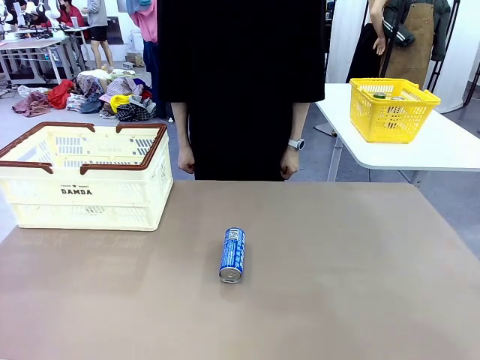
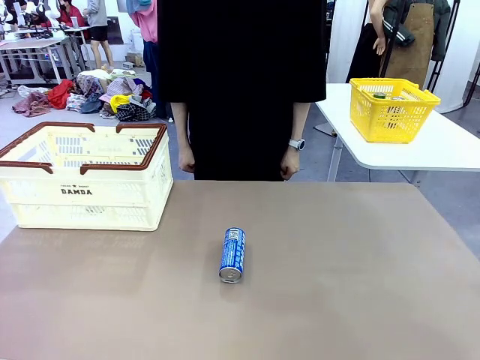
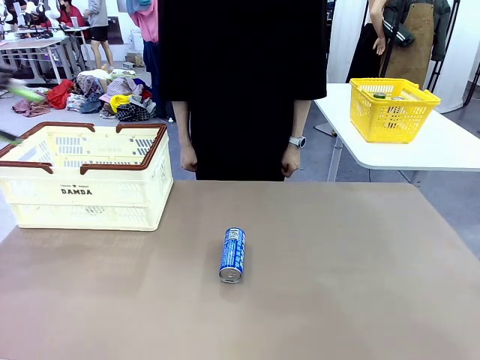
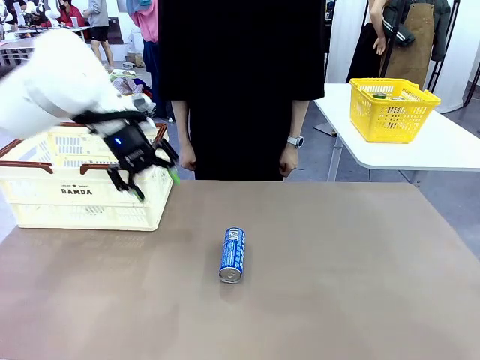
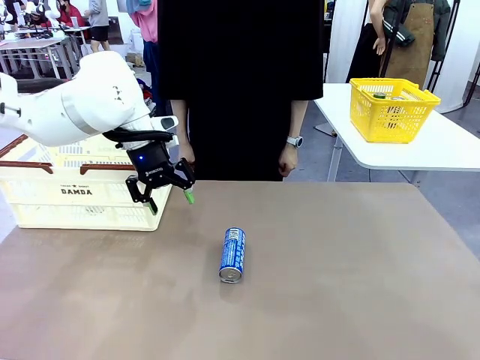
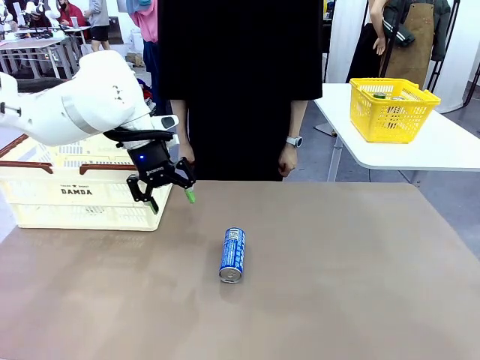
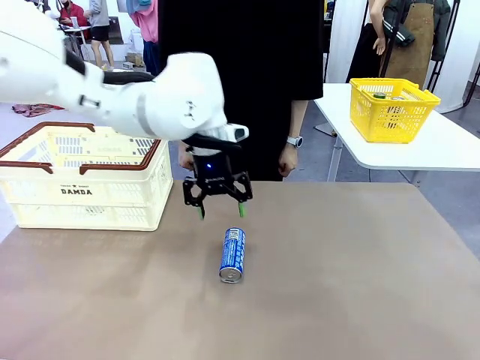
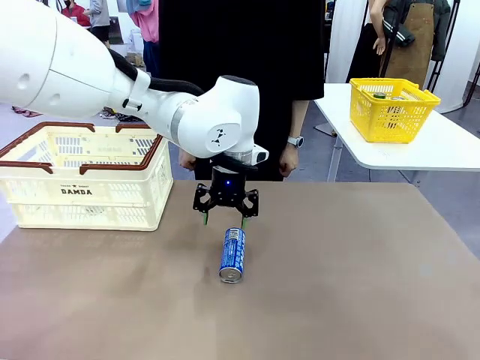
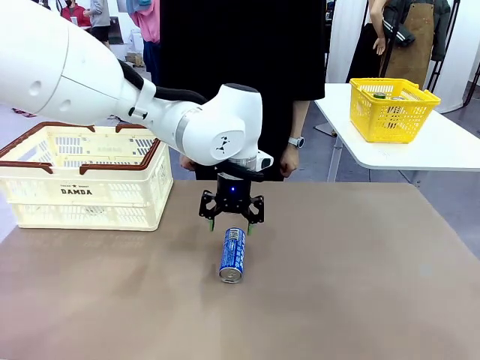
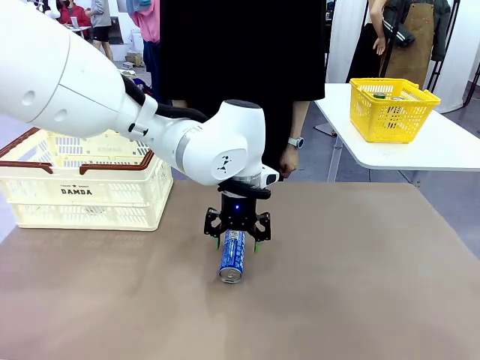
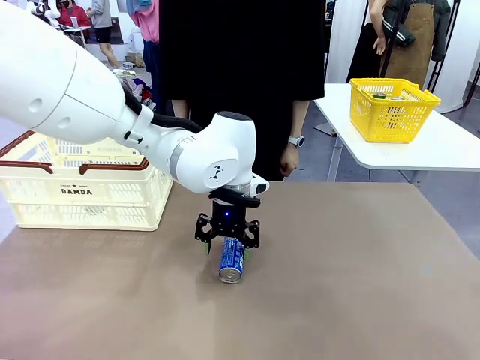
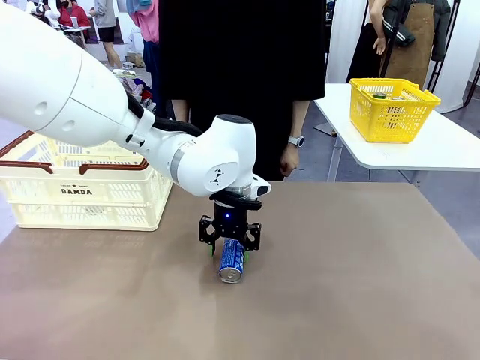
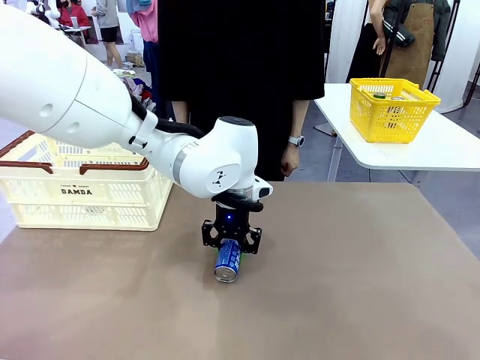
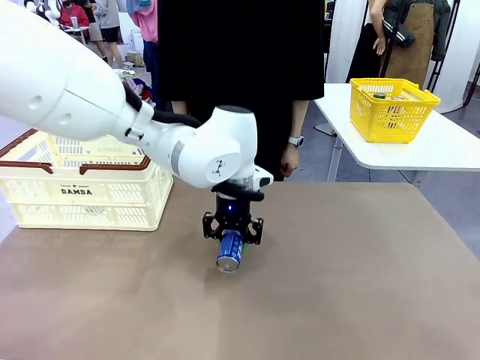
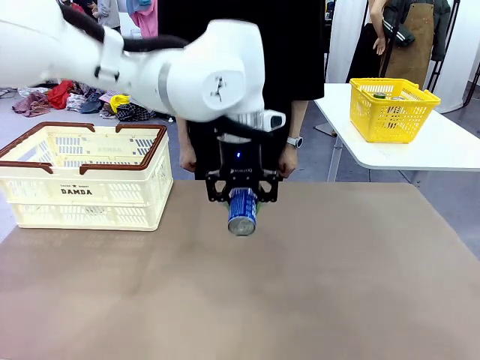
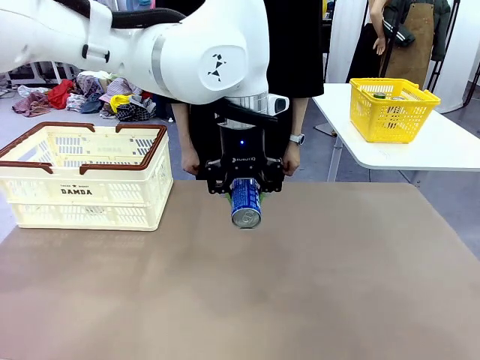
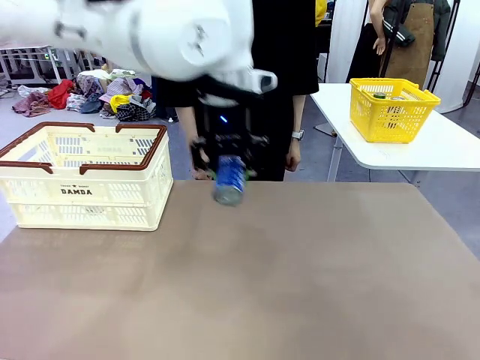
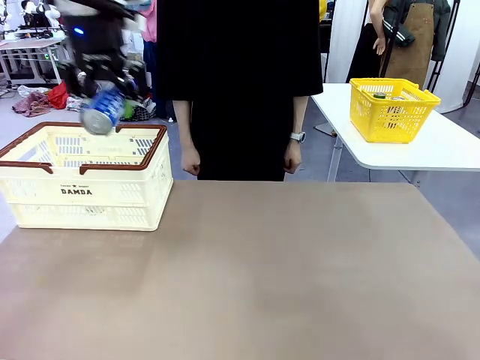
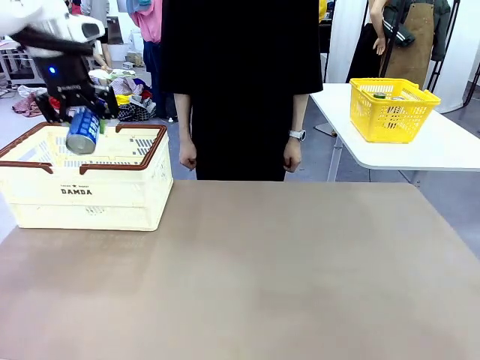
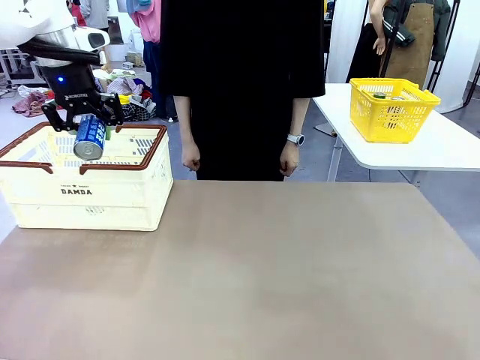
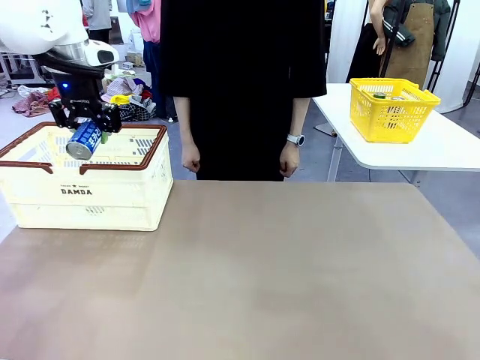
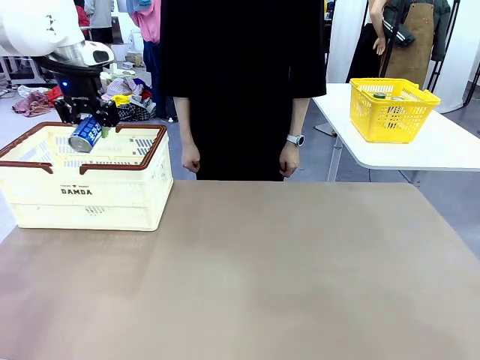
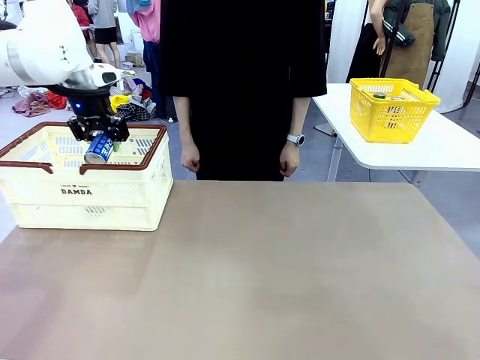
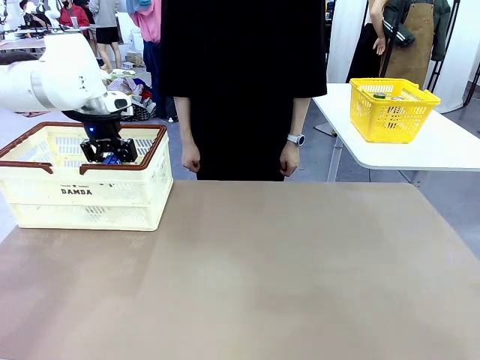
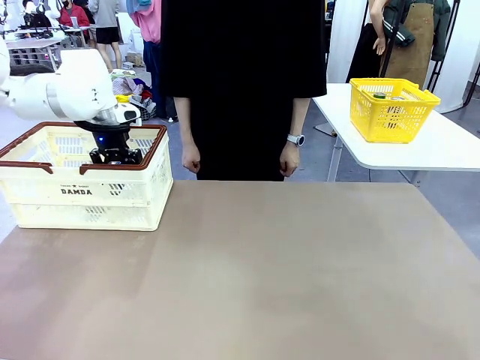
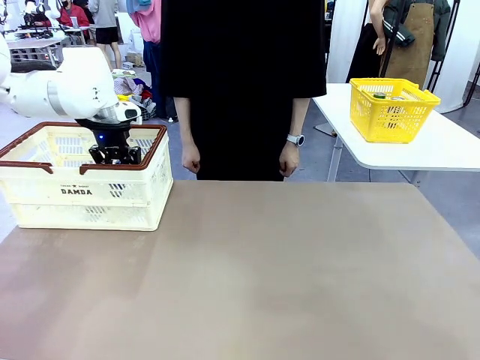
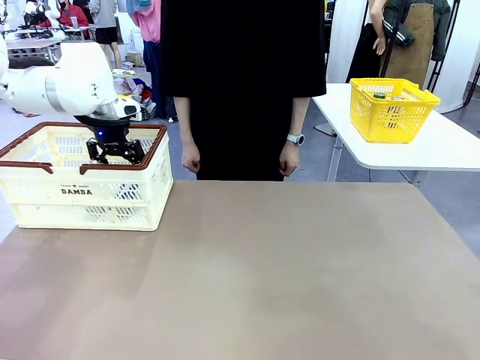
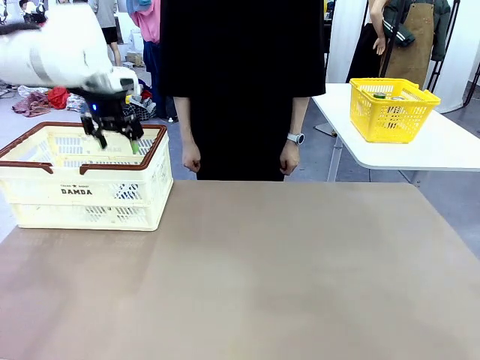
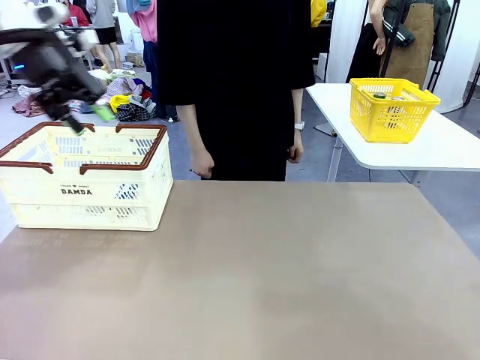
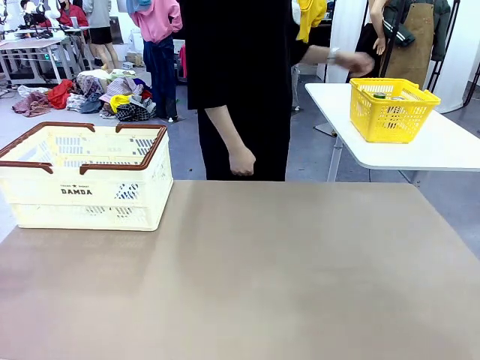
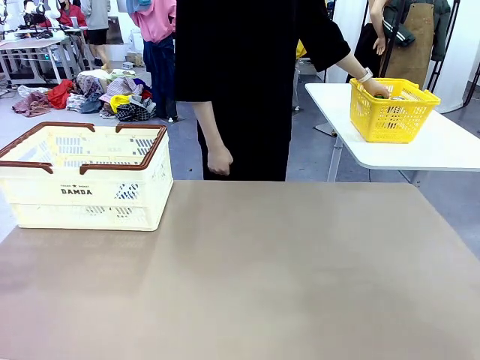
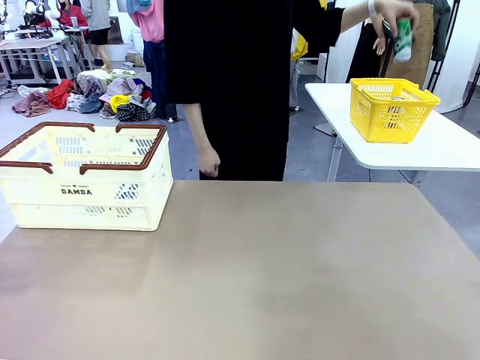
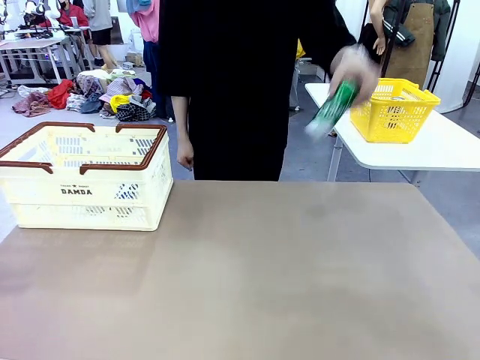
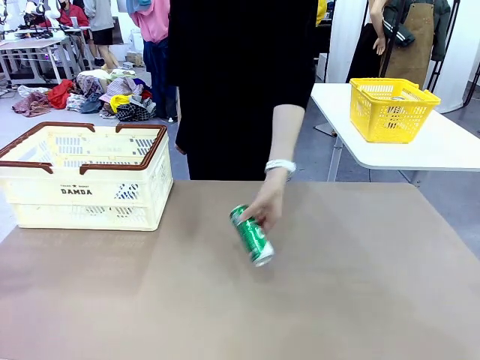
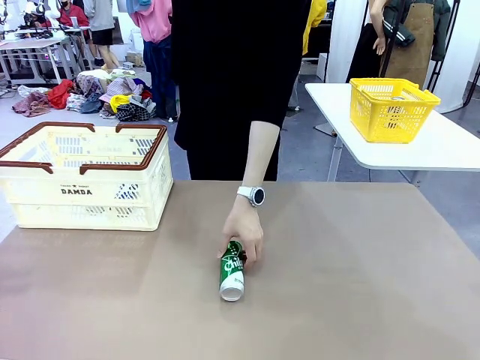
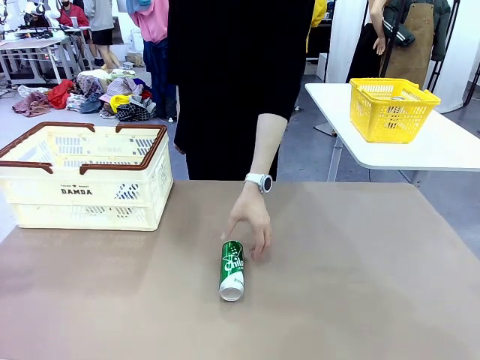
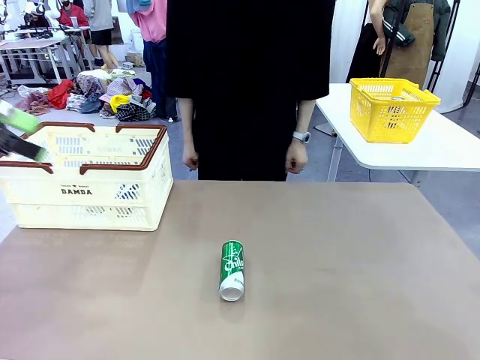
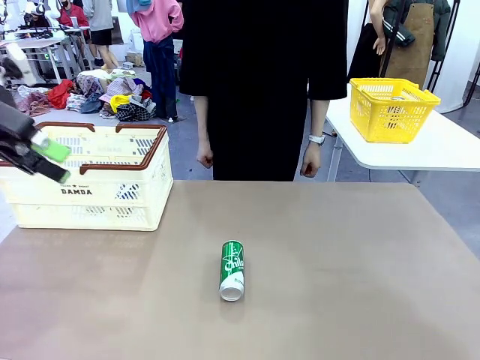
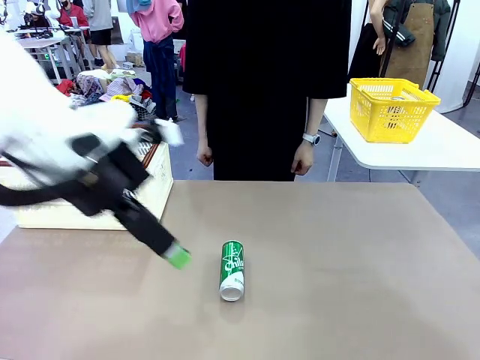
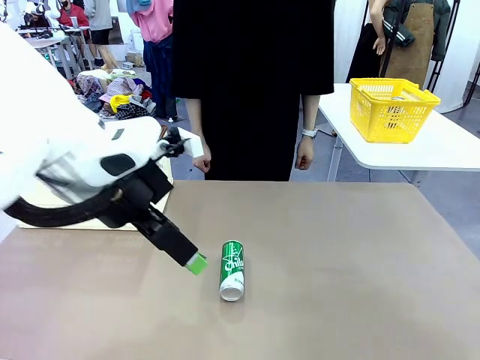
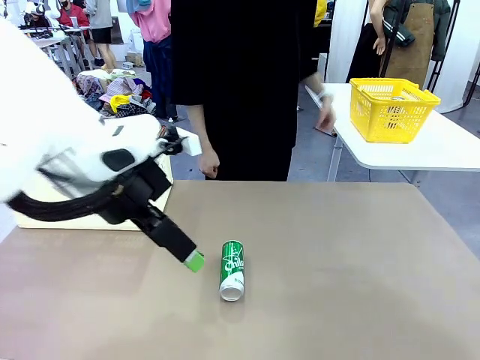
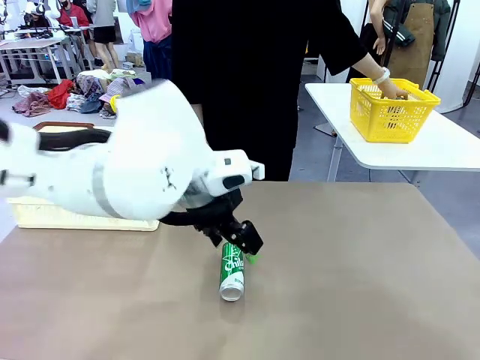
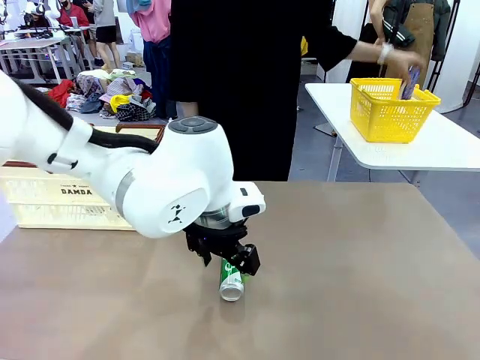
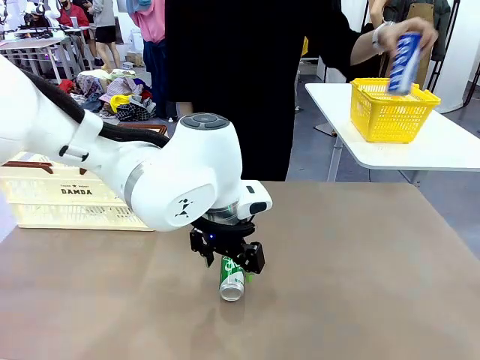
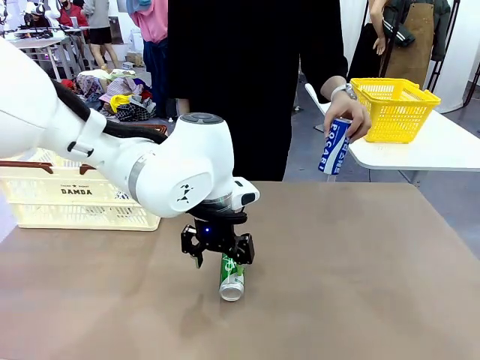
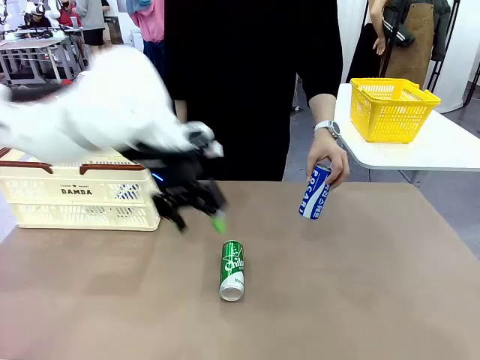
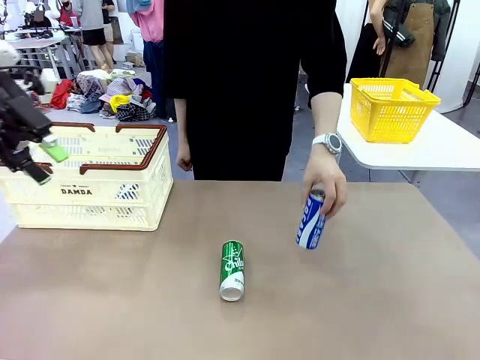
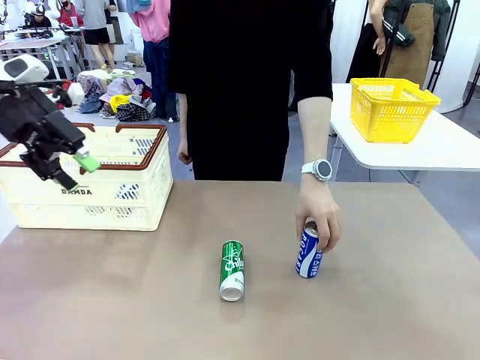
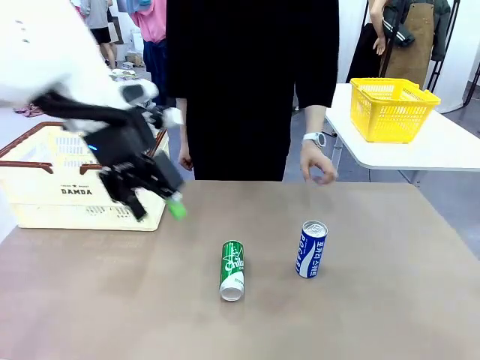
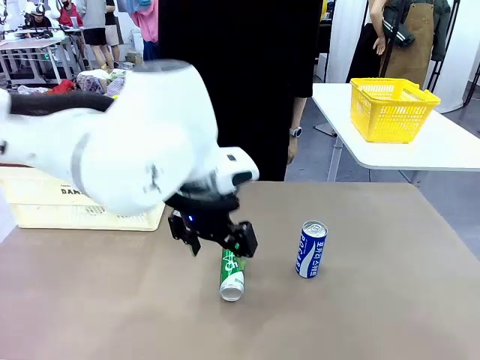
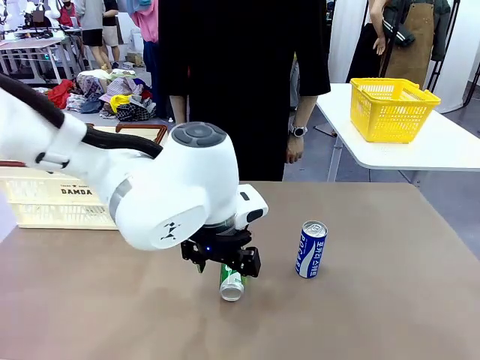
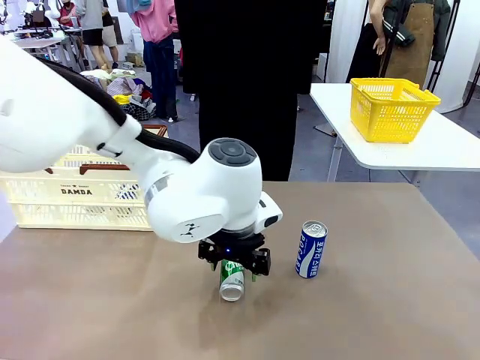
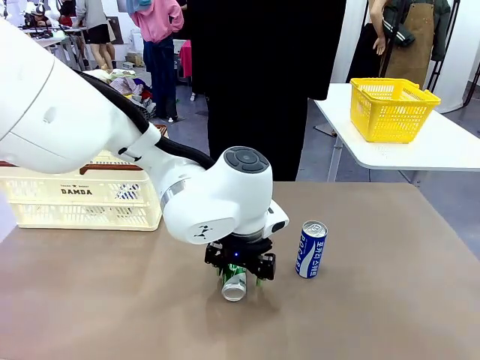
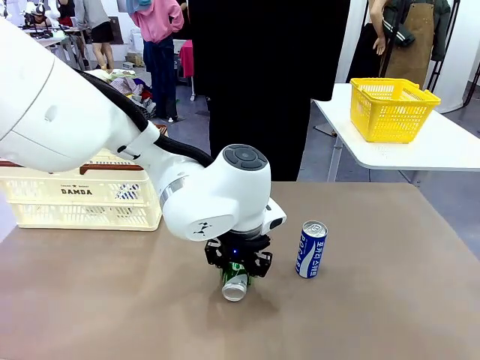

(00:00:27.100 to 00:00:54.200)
Task: Place the drinks into the Shopping basket.
Robot: Pick up one drink and place it into the Shopping basket.
